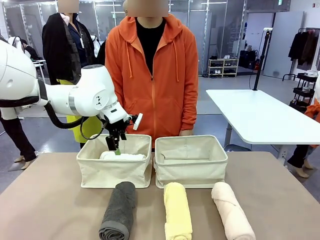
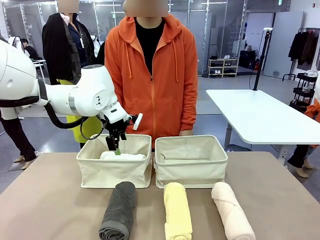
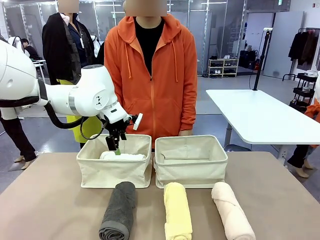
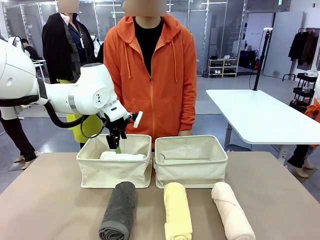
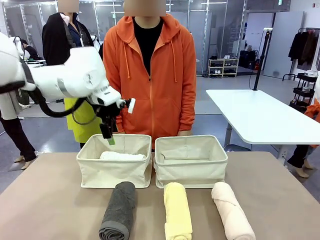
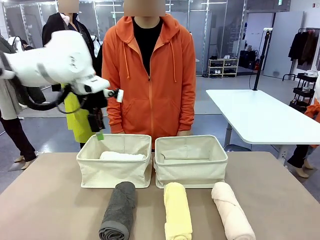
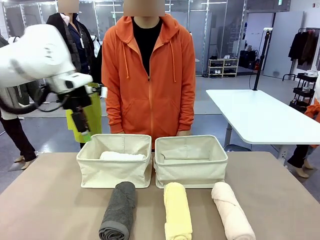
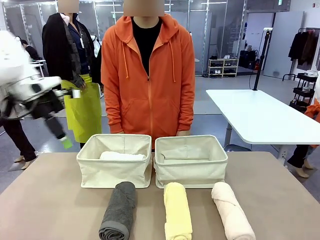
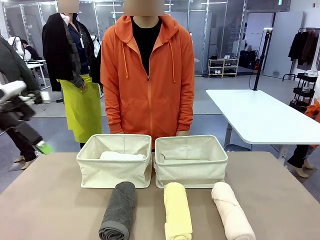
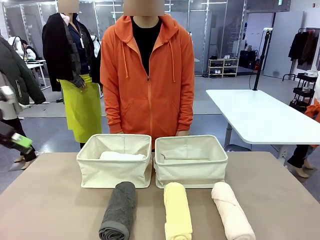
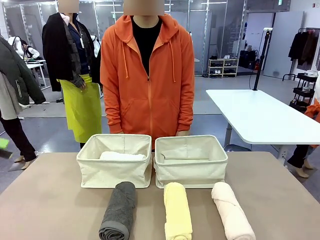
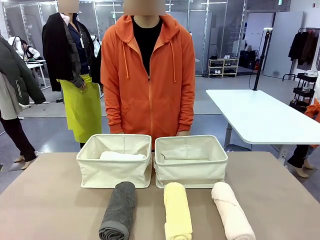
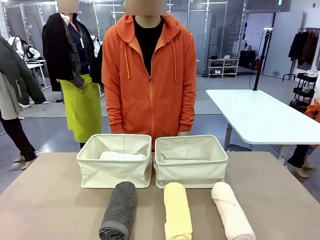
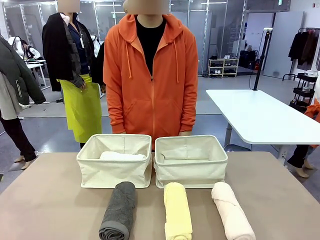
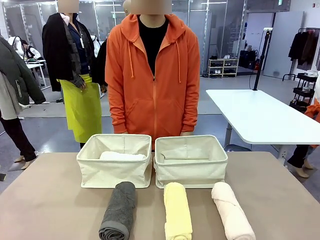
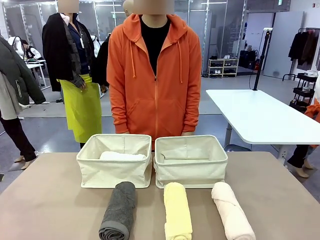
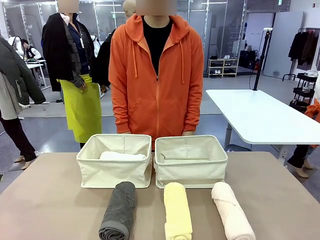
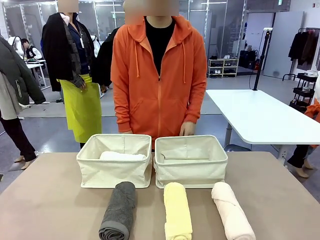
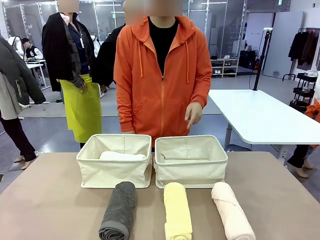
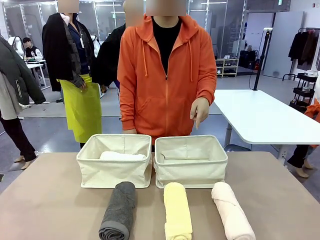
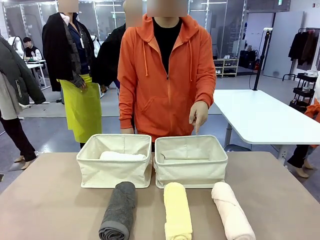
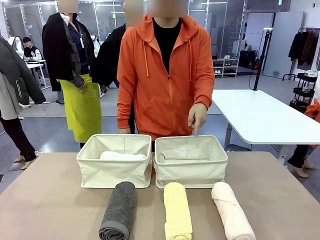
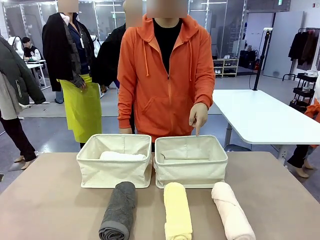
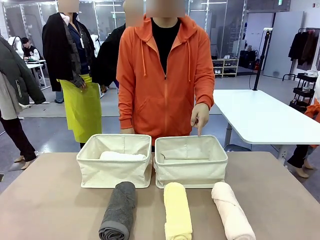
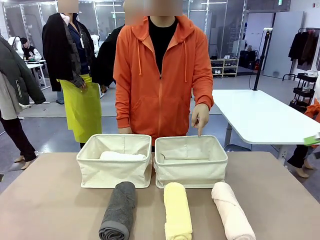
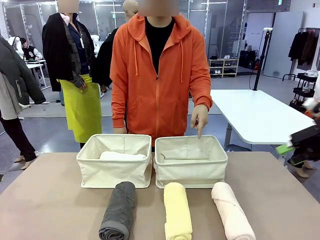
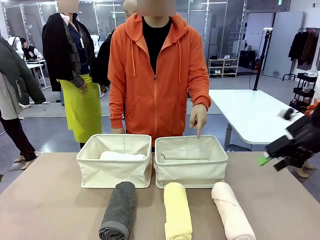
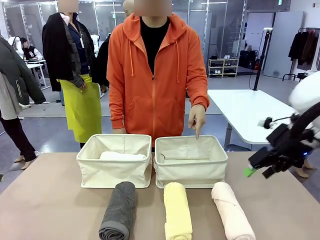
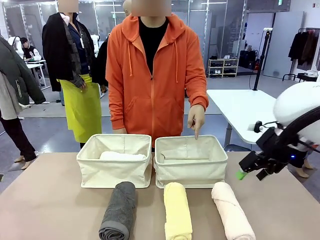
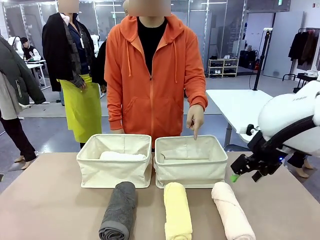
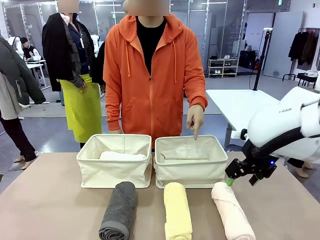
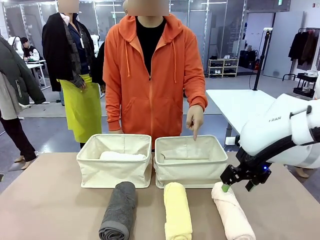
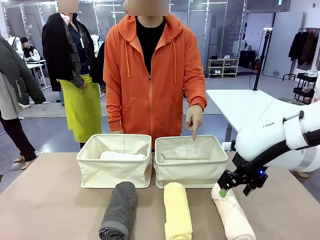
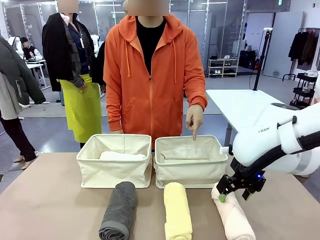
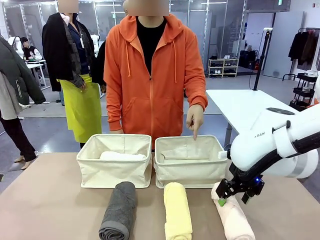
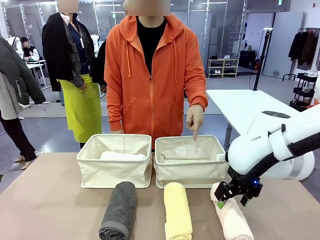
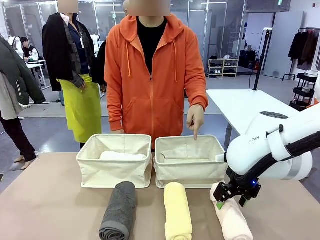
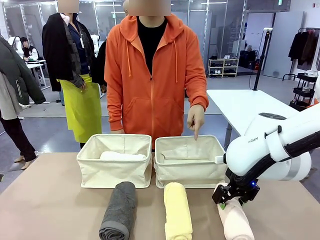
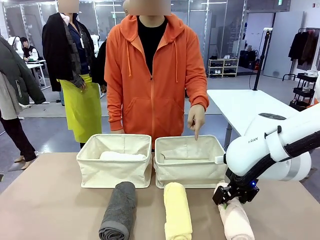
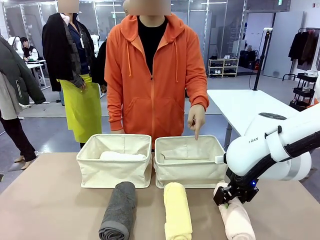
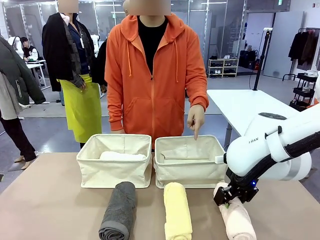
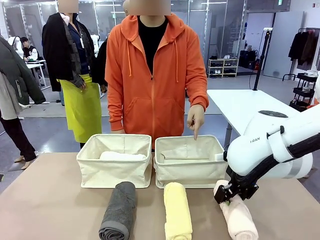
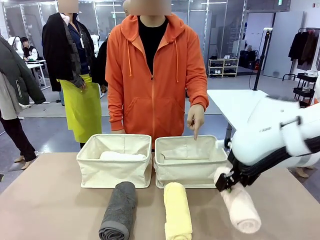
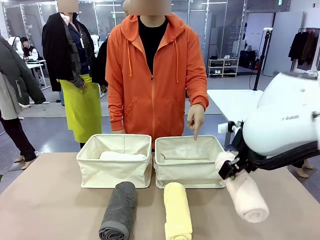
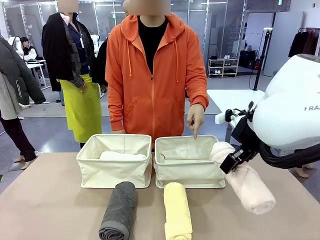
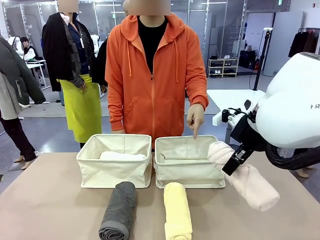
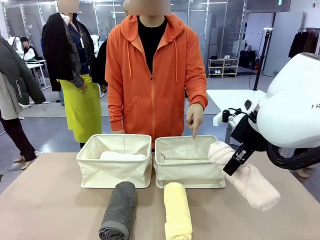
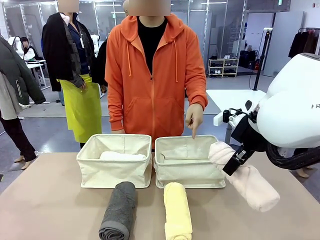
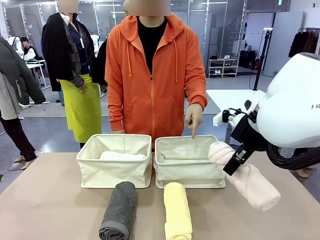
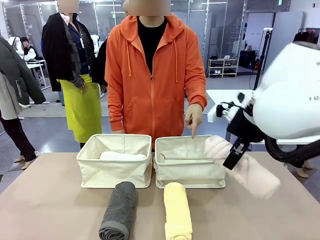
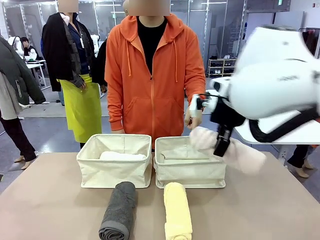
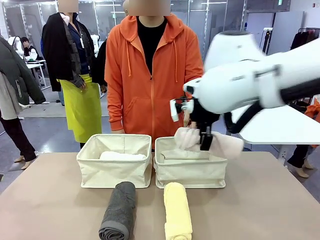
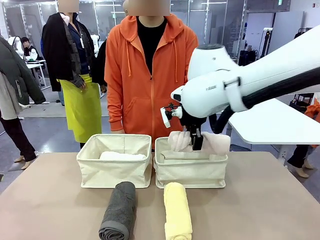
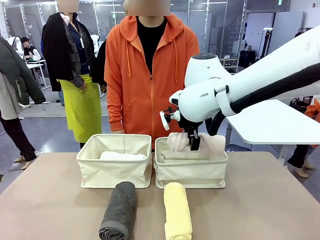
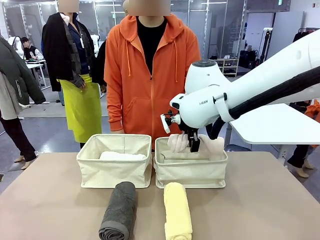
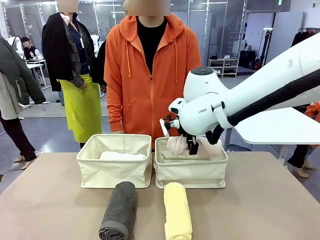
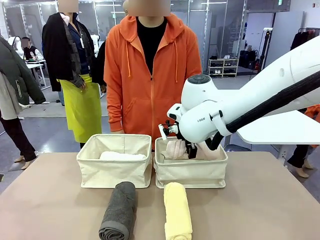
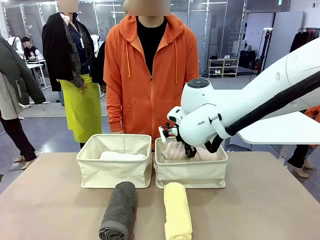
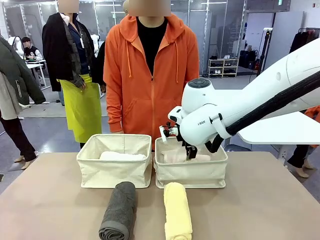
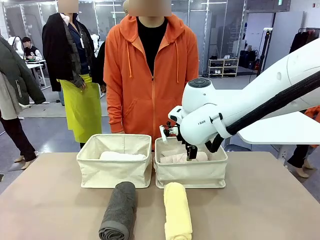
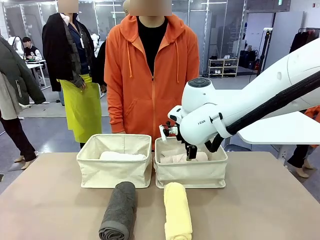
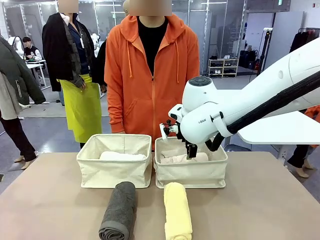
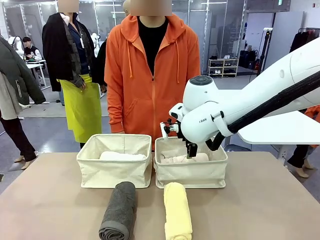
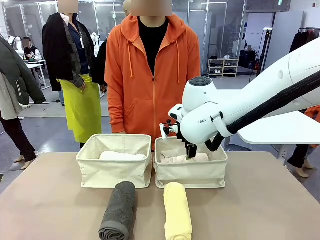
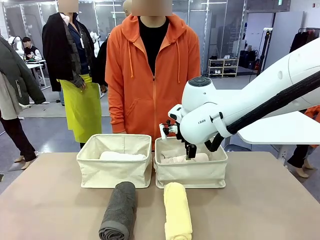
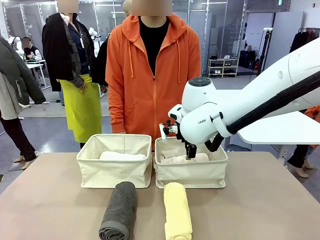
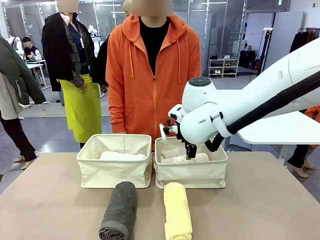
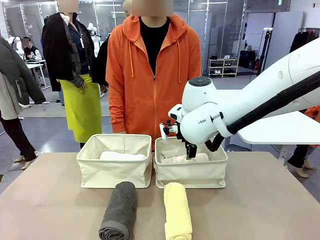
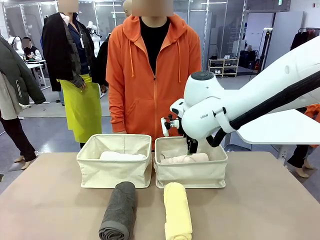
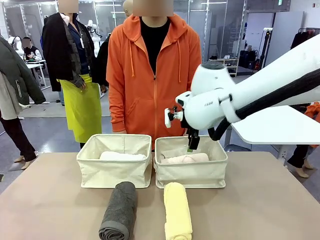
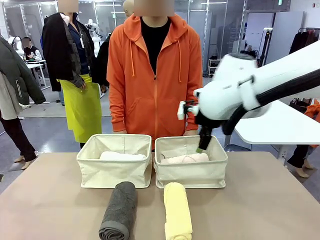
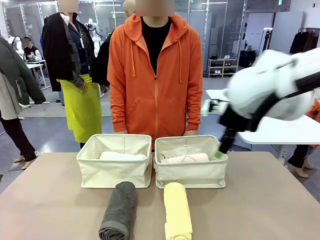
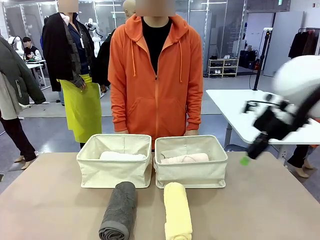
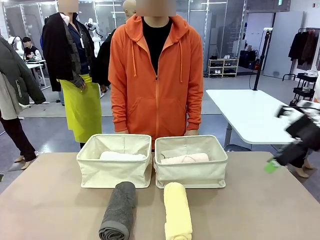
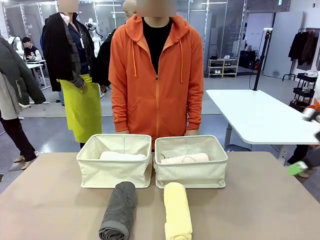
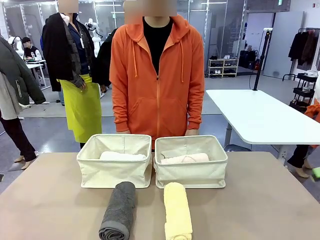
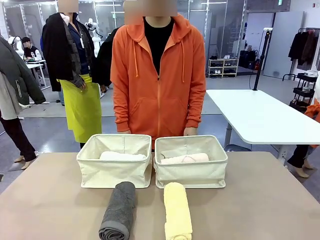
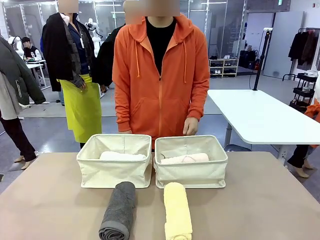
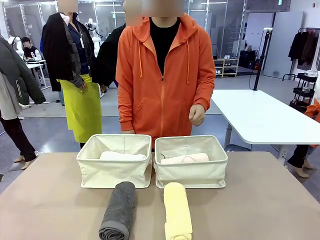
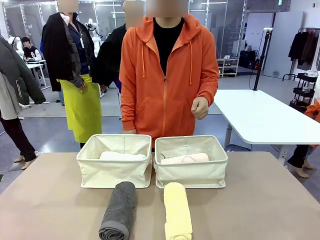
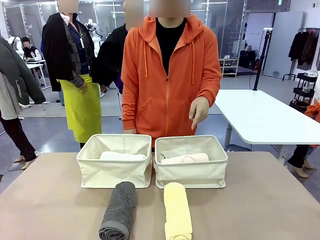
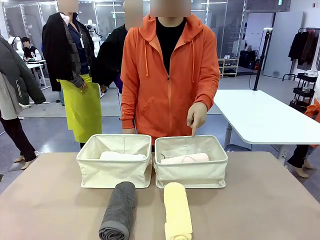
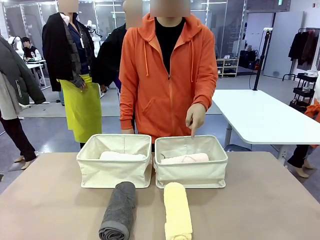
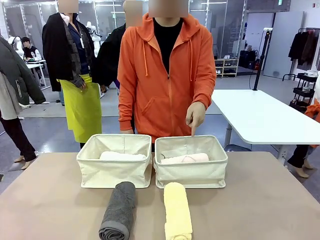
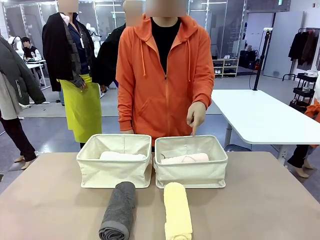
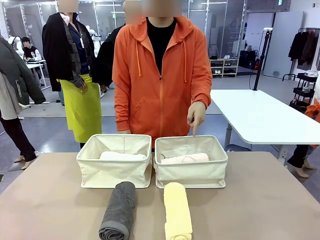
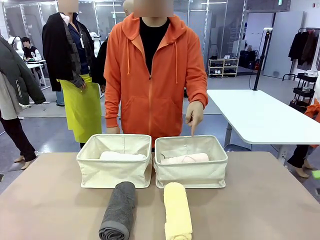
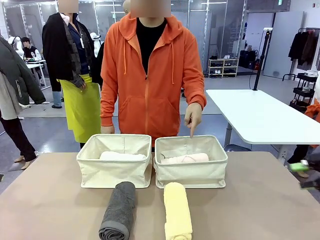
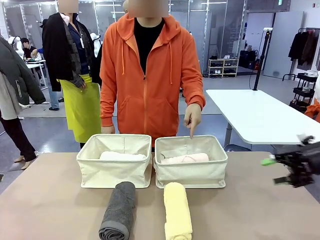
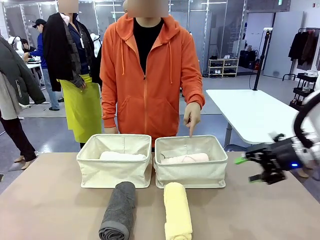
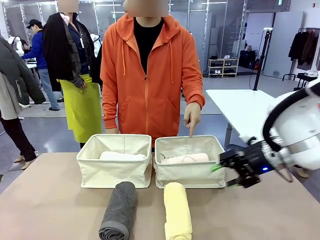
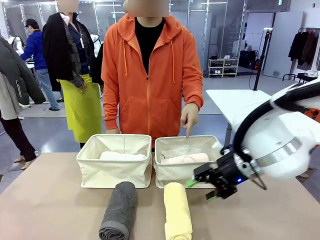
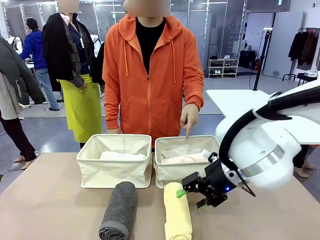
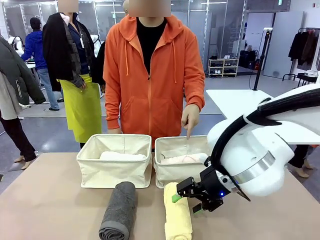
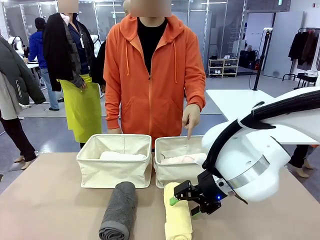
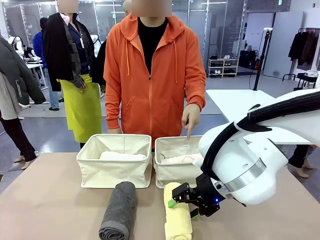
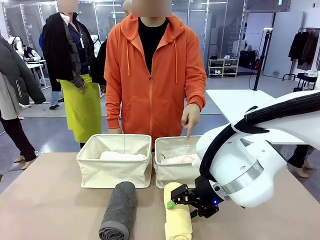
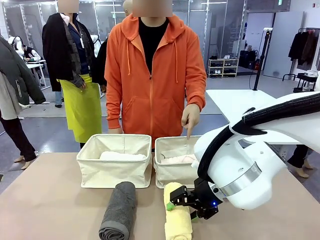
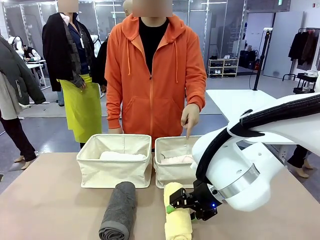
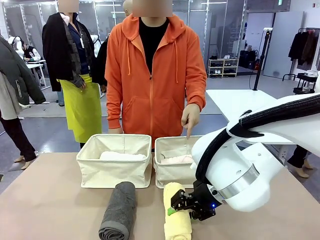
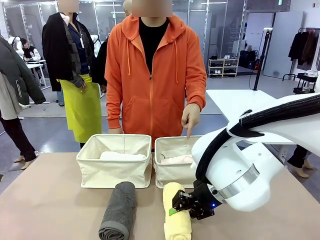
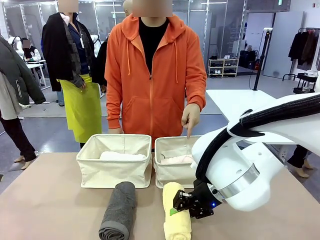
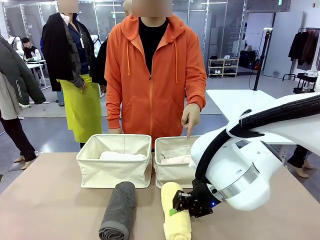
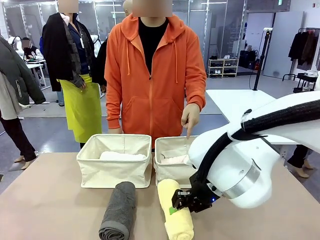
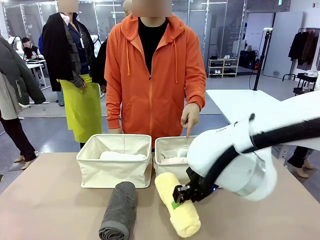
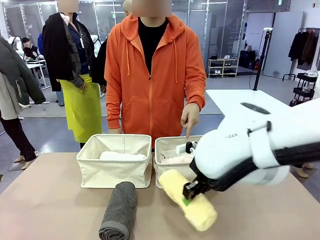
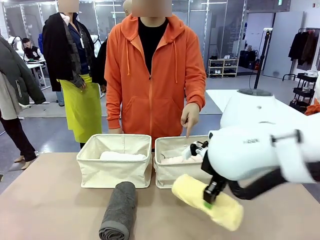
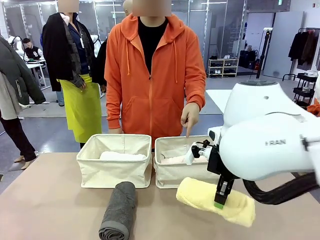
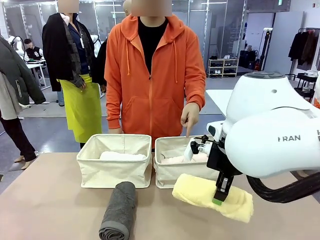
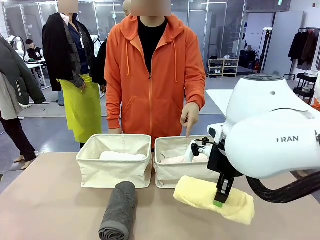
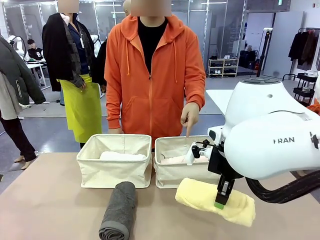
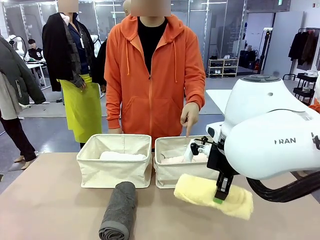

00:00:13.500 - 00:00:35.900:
Task: Divide the towels into two baskets.
Robot: Pick up one hotel-folded towel from the bottom of the table and place it in the Fabric basket indicated by the person.
